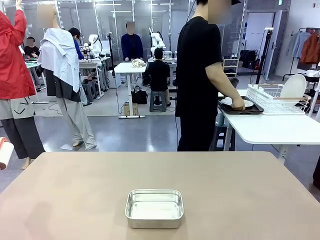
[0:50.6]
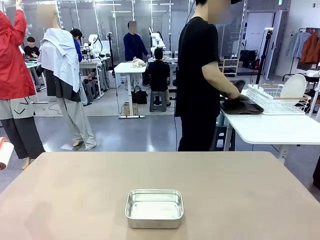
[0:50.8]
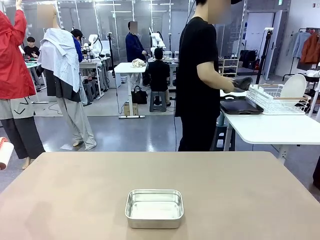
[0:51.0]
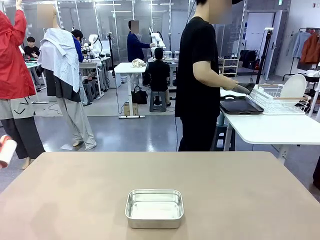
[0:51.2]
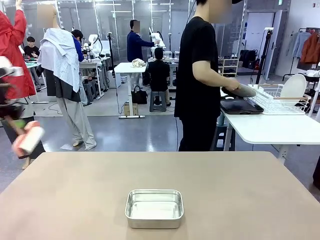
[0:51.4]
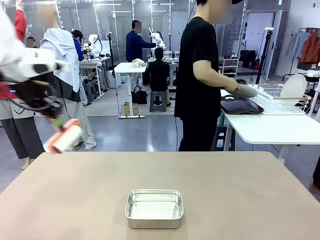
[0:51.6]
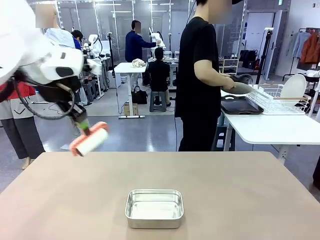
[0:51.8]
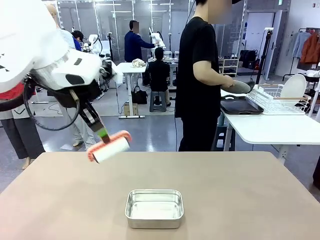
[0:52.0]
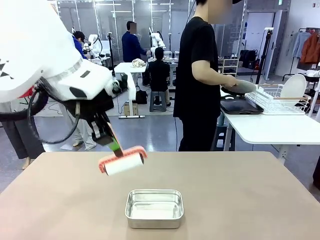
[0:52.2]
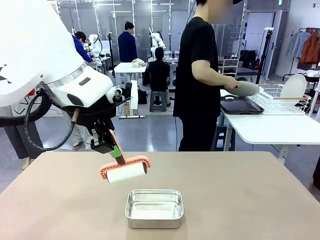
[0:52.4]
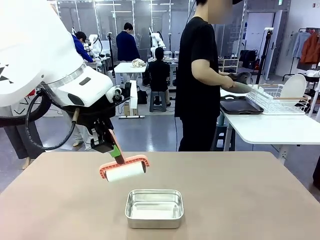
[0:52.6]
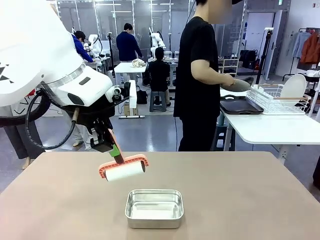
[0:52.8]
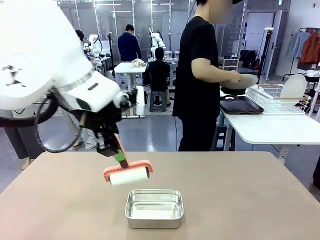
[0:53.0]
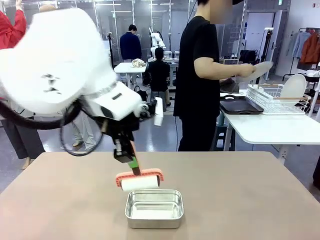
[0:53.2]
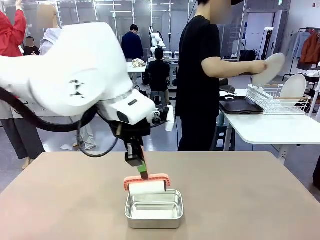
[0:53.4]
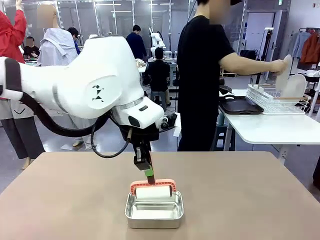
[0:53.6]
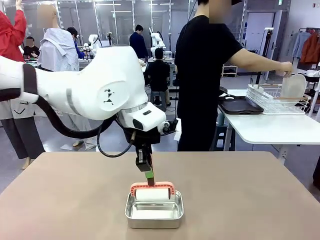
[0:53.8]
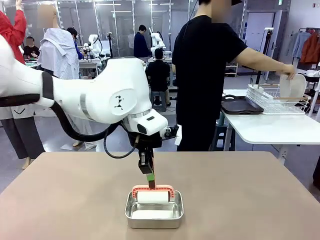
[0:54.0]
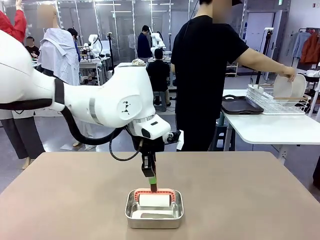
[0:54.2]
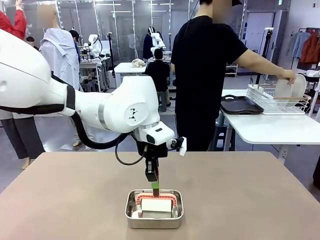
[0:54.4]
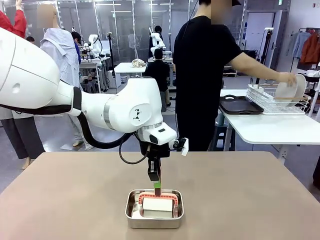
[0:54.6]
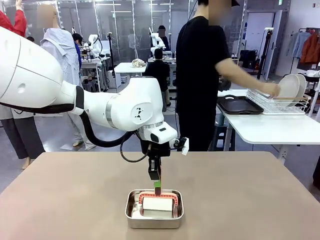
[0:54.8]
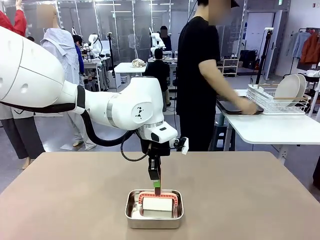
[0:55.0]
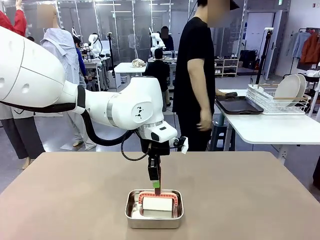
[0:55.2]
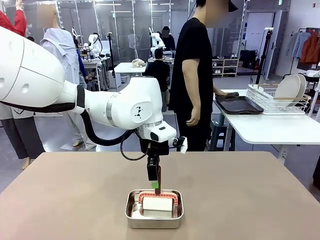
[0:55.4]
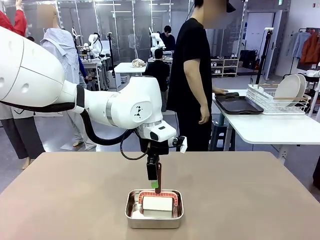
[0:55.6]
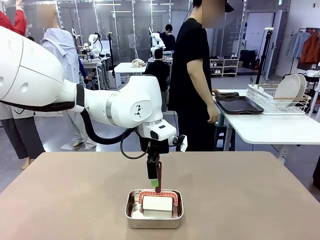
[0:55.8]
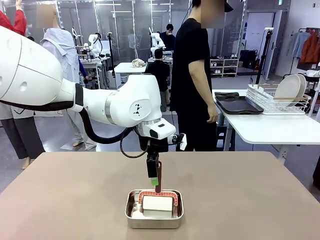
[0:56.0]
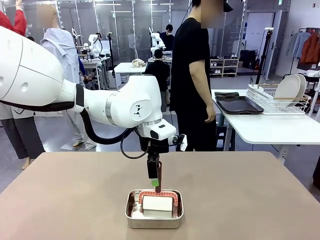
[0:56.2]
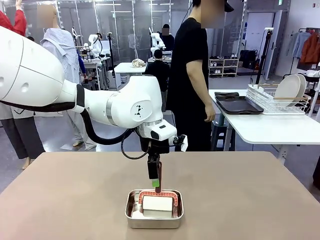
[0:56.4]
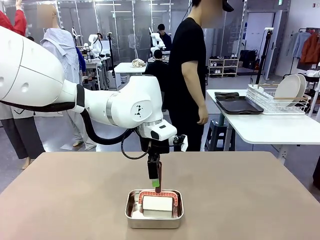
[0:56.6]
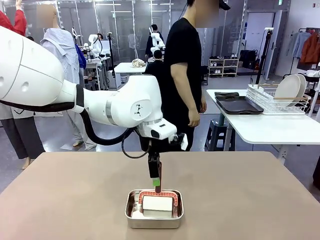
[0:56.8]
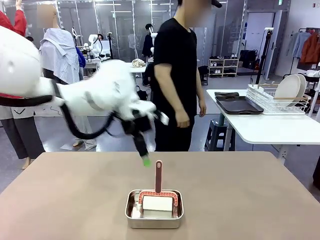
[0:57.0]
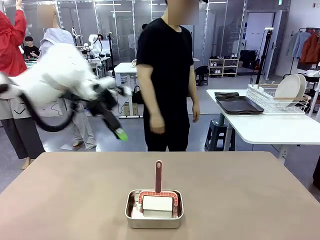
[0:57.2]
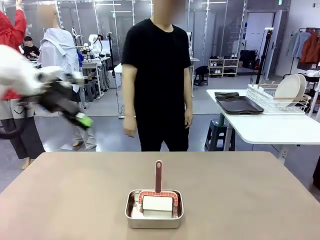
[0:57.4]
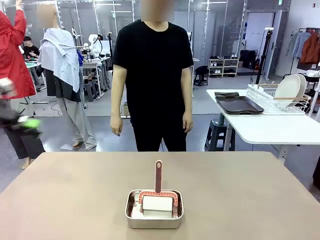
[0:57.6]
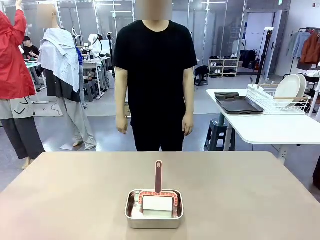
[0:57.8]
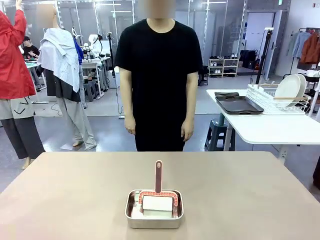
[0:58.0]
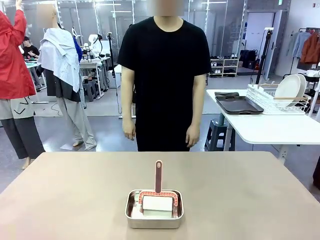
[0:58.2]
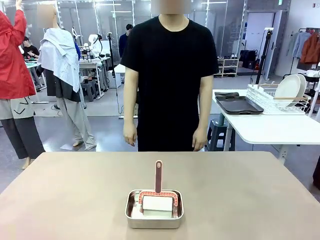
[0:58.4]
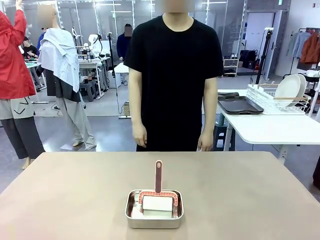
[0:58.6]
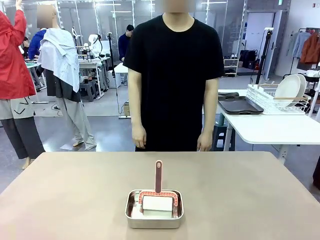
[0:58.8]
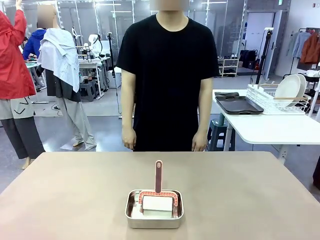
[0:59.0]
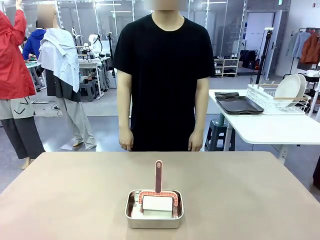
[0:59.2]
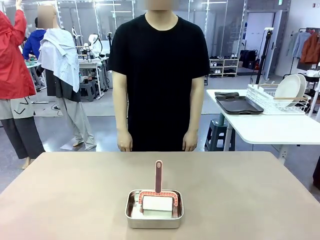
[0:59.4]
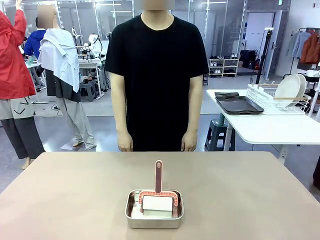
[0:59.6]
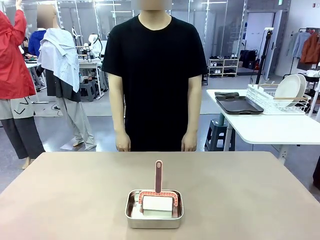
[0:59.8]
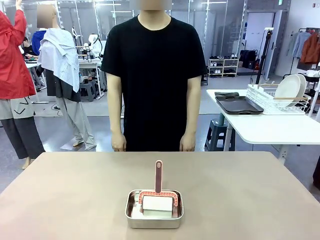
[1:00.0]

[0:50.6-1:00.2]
Robot: Place the Lint Roller back on top of the Airtight Container.

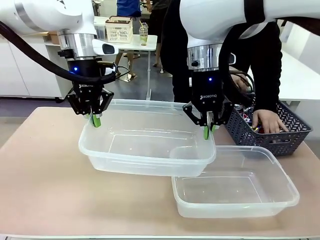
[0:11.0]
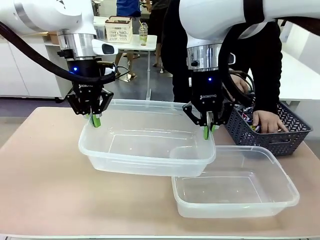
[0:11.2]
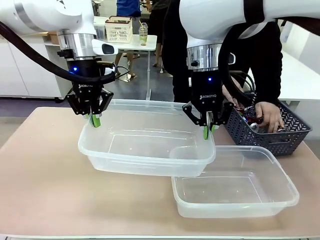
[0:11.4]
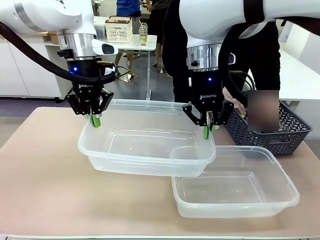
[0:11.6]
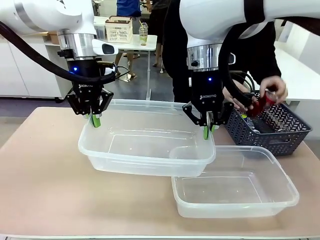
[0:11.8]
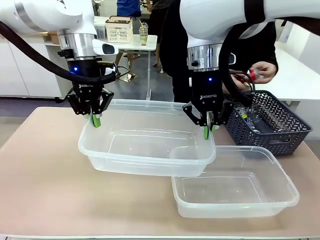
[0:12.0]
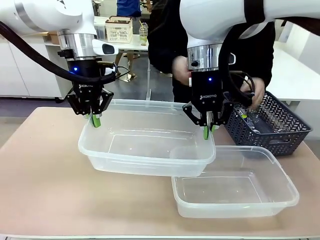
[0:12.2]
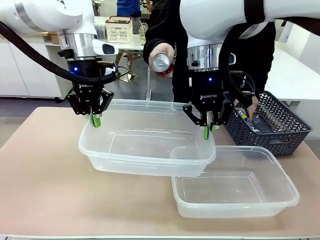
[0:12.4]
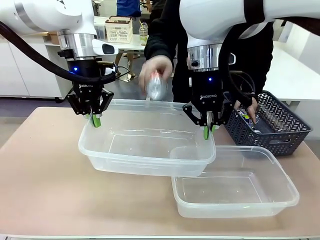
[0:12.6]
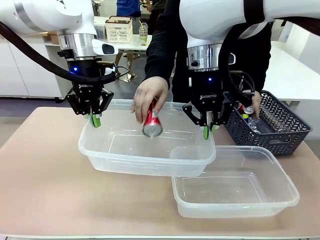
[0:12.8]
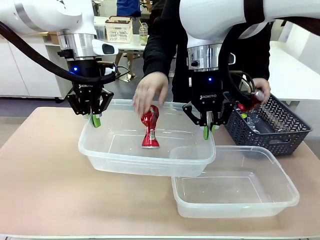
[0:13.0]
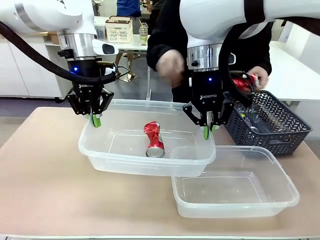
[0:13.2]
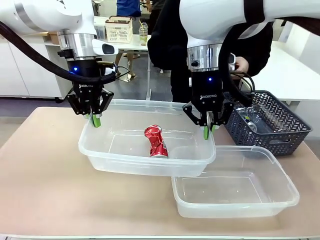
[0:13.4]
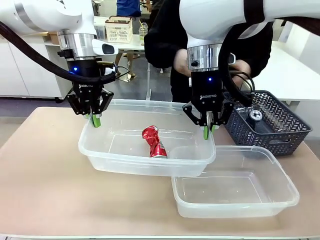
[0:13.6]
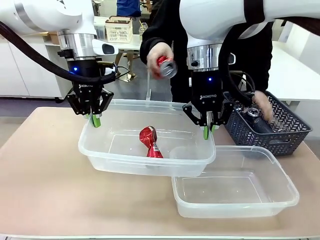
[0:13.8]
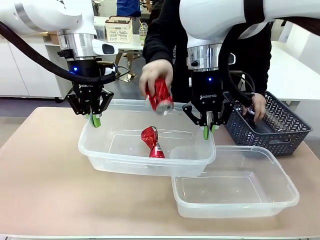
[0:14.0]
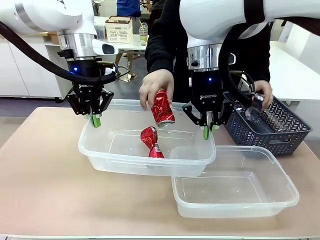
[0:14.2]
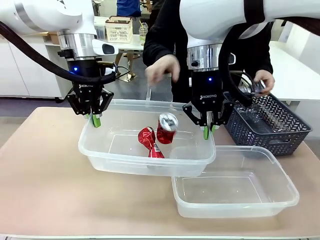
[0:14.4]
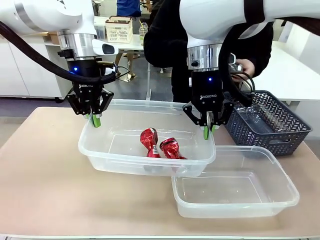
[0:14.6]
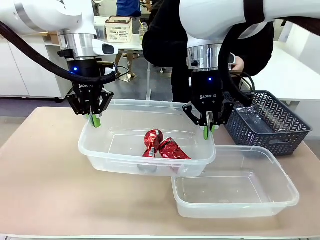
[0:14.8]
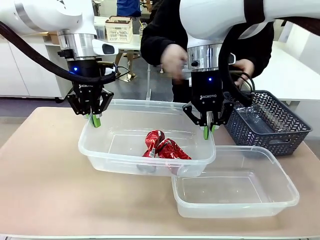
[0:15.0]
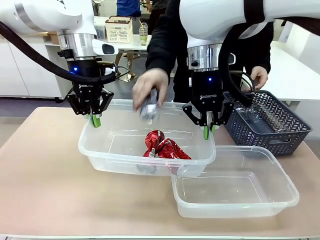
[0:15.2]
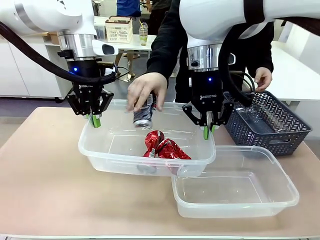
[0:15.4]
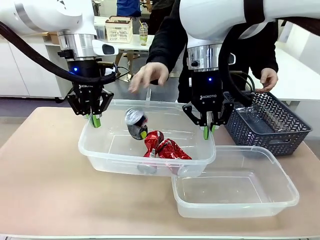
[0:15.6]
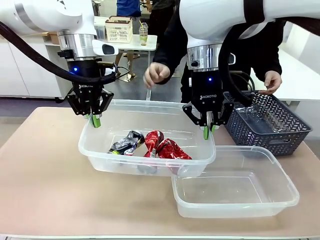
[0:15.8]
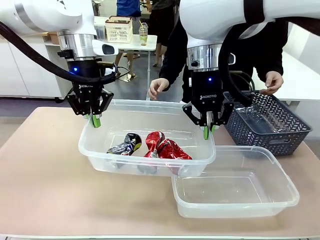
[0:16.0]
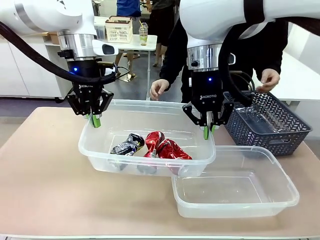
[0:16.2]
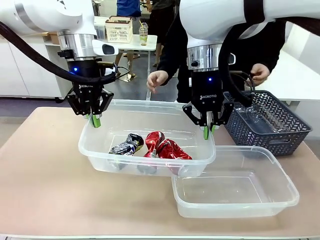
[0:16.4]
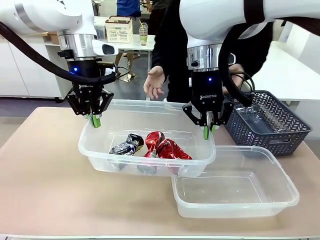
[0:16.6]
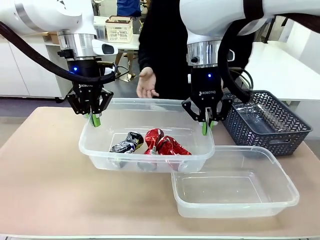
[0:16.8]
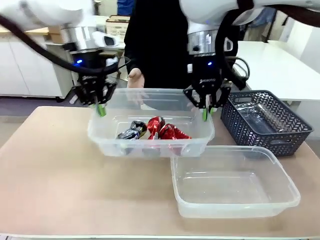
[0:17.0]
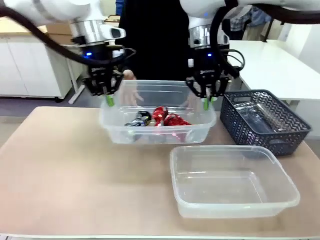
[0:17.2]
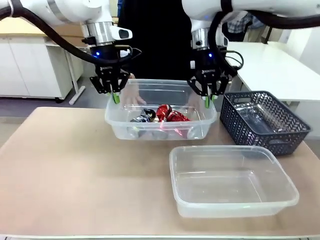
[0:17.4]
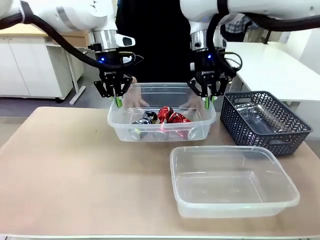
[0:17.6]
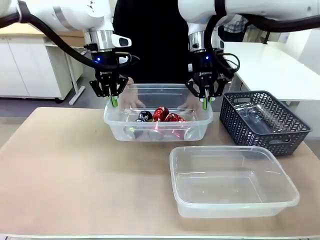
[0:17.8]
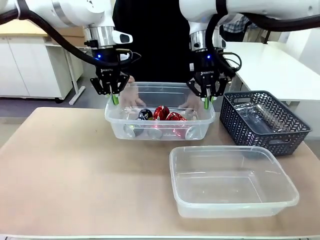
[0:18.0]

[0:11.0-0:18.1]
Robot: Offer the picked Organizing box to the human.

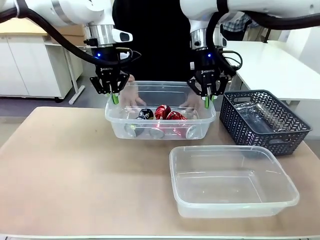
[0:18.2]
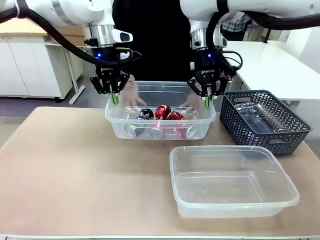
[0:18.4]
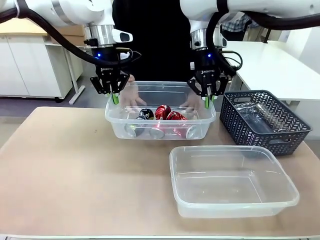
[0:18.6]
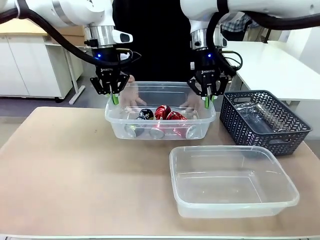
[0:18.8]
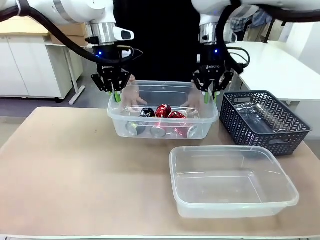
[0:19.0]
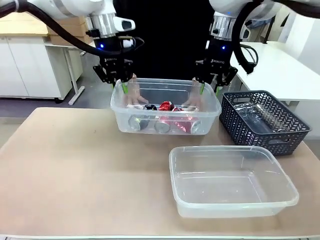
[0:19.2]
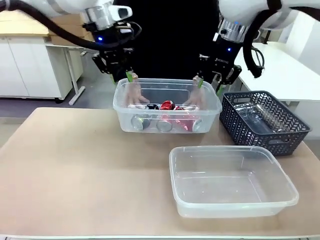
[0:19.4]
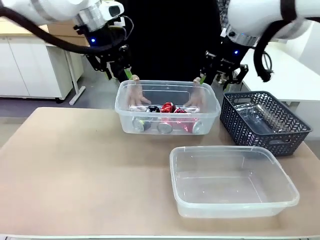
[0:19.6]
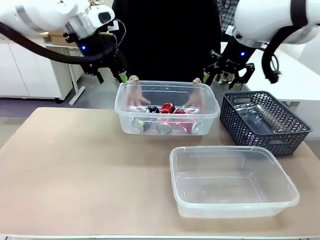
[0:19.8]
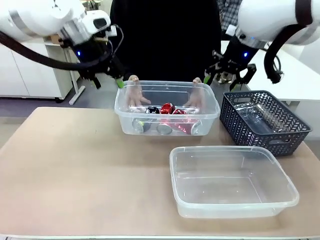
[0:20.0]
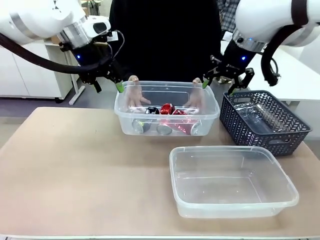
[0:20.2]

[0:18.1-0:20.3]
Robot: Release the Organizing box you were holding.

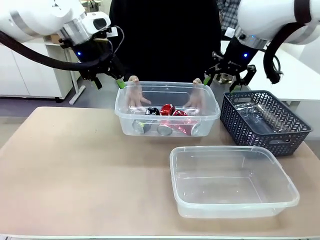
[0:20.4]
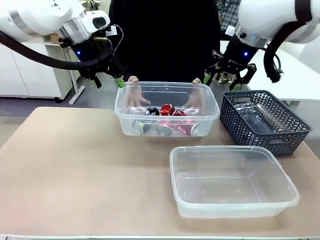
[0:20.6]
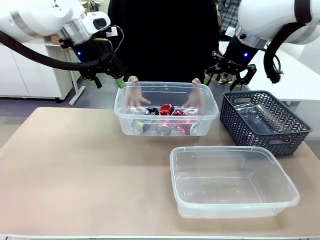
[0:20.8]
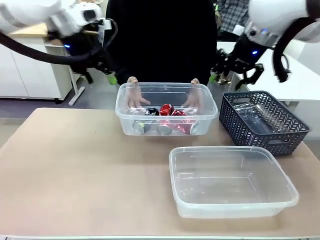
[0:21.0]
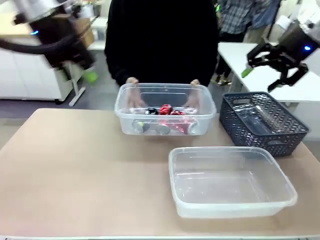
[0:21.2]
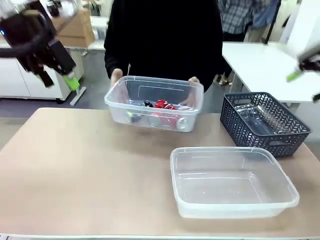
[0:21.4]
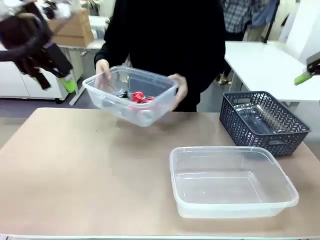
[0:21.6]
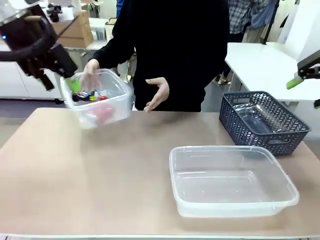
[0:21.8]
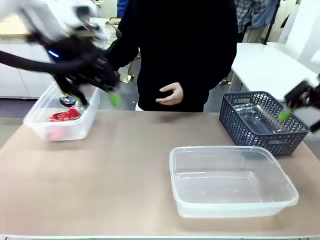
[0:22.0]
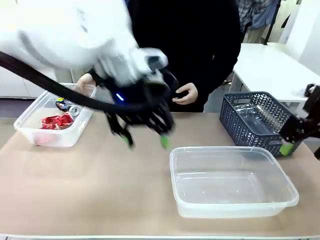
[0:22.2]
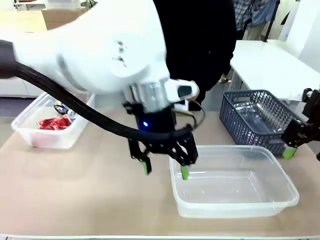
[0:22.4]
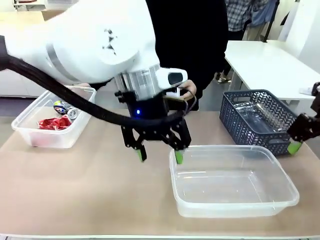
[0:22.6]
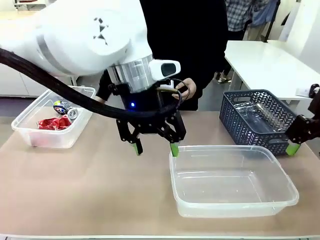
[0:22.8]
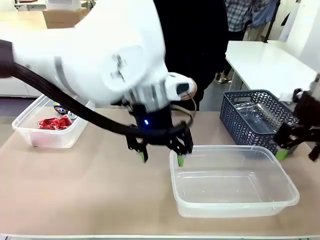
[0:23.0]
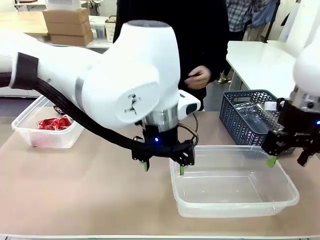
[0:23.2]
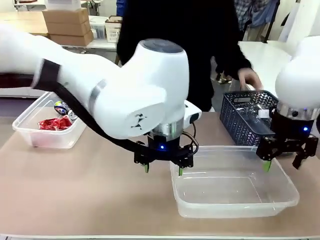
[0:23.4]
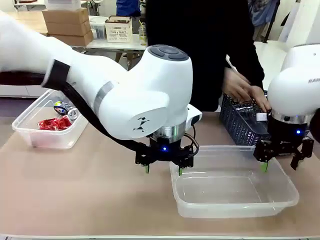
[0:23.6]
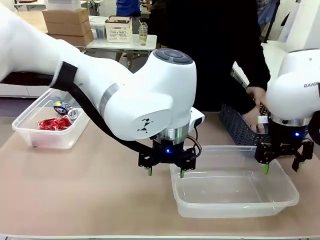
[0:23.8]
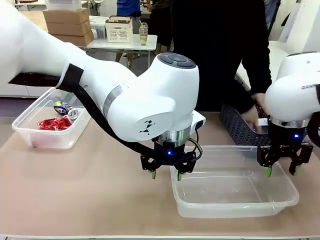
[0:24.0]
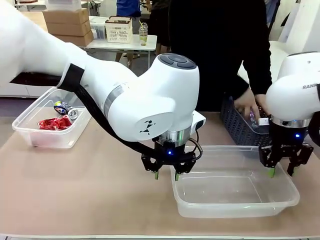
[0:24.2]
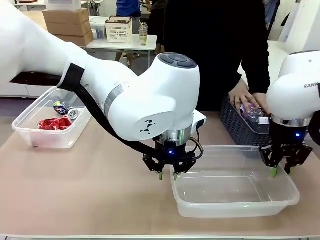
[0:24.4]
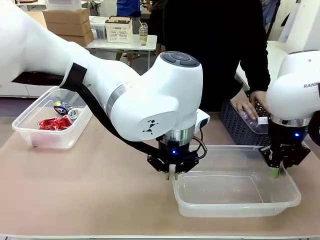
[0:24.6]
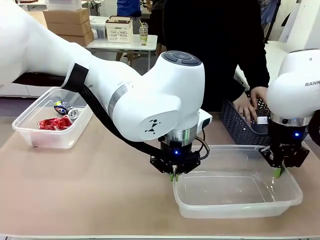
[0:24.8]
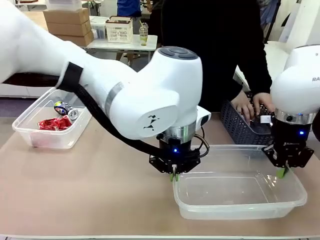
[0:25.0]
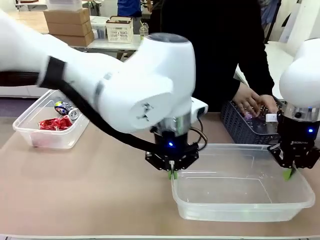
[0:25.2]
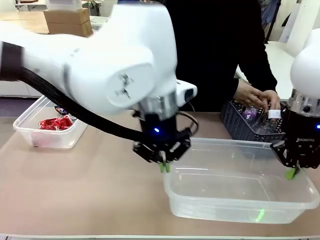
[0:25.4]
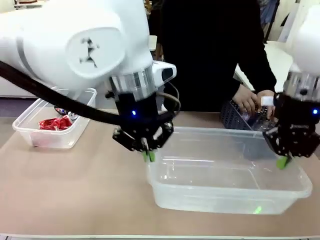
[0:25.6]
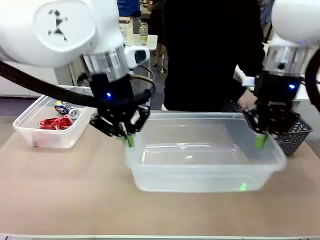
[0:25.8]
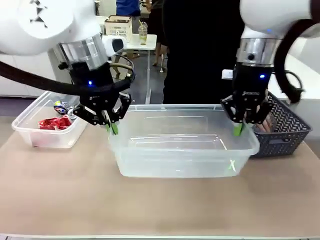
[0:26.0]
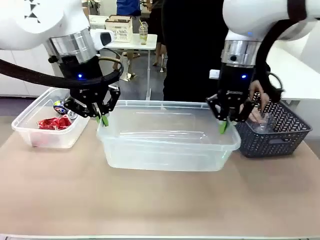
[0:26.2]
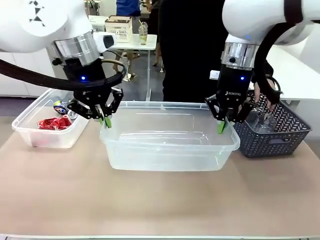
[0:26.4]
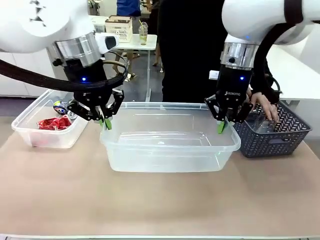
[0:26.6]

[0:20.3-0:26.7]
Robot: Pick up the Organizing box on the right side of the table and lift it.
Person: Place it at the edge of the bottom right area of the robot table.
